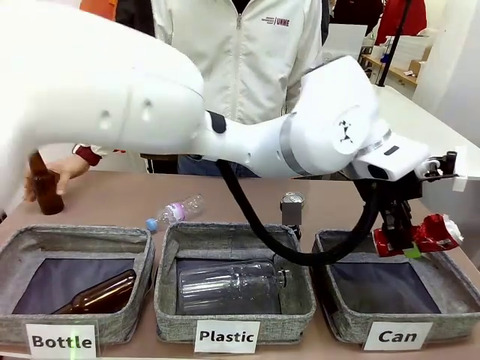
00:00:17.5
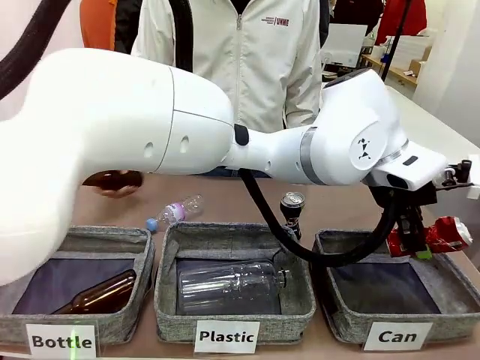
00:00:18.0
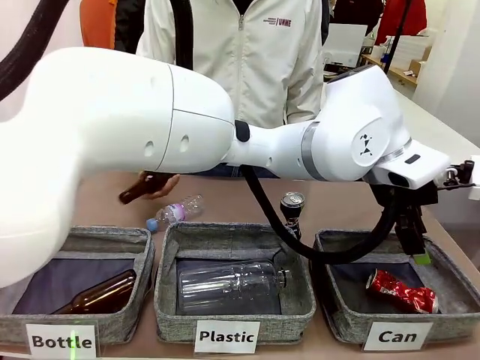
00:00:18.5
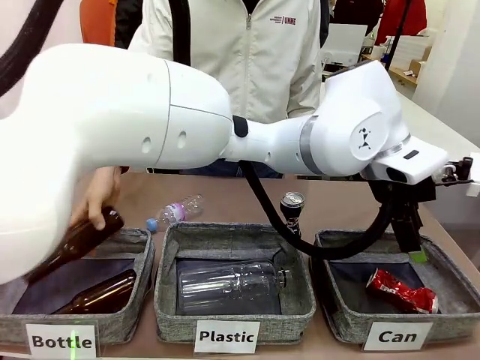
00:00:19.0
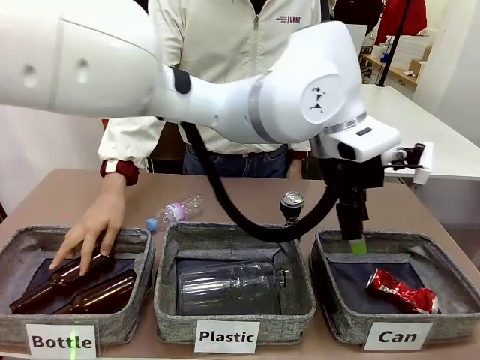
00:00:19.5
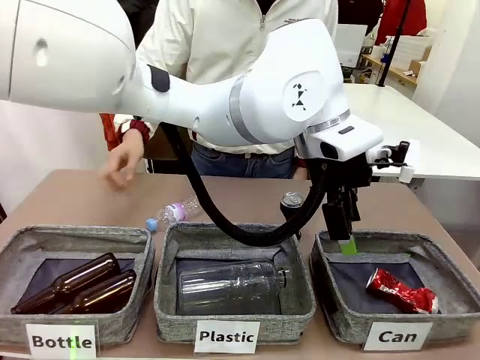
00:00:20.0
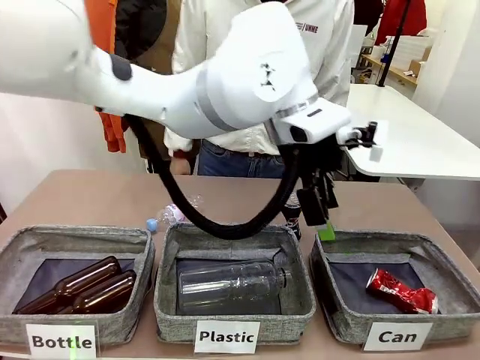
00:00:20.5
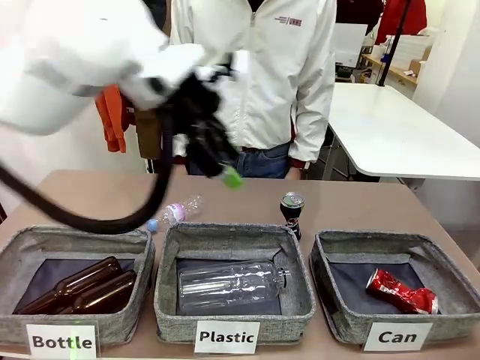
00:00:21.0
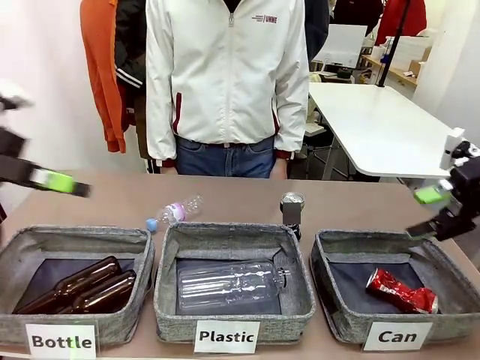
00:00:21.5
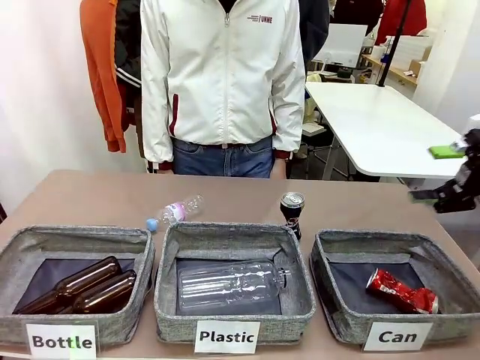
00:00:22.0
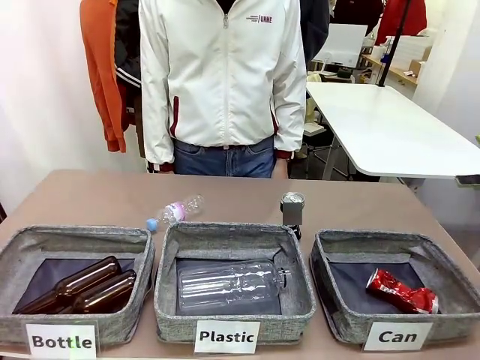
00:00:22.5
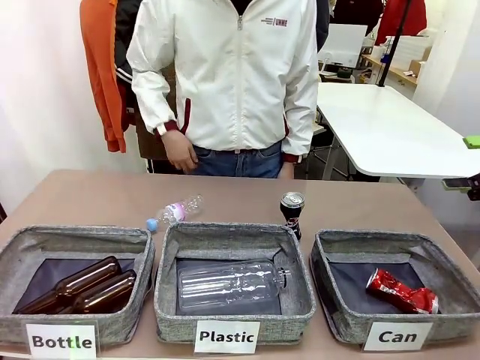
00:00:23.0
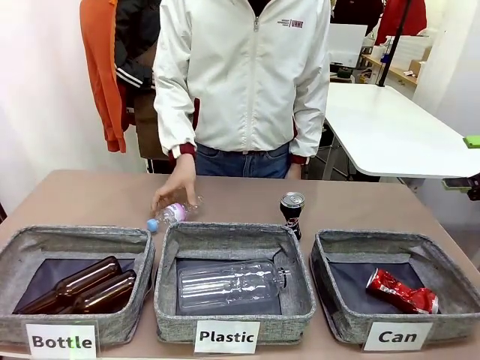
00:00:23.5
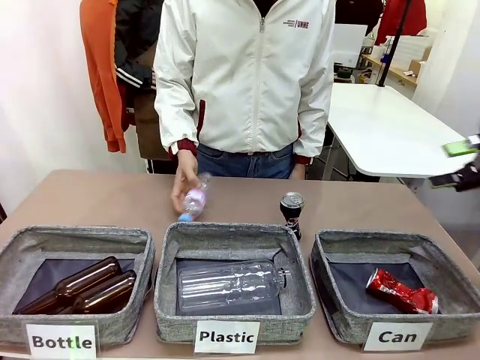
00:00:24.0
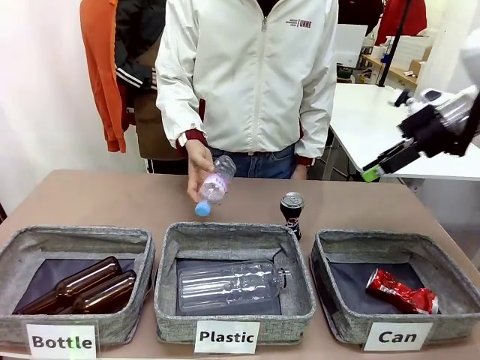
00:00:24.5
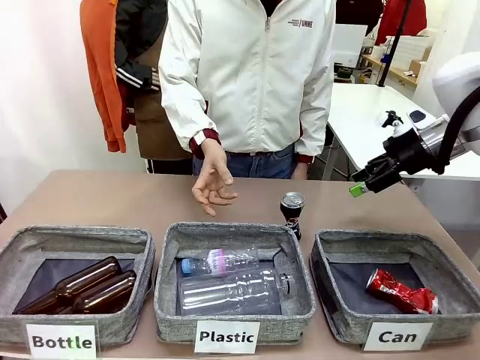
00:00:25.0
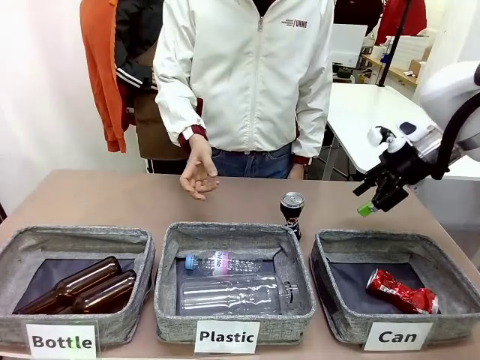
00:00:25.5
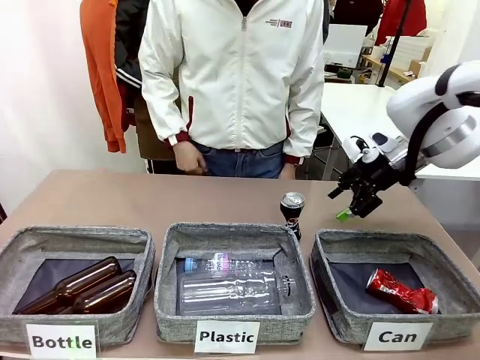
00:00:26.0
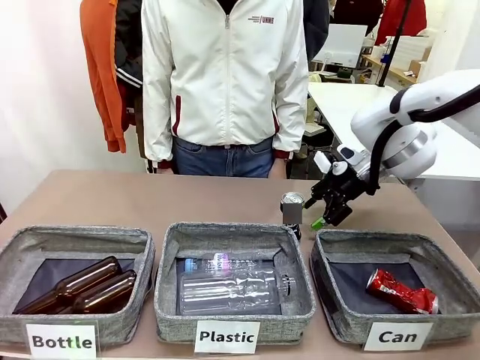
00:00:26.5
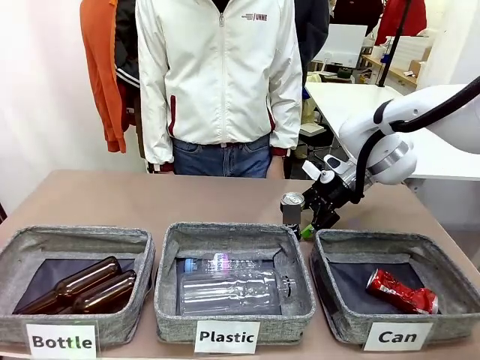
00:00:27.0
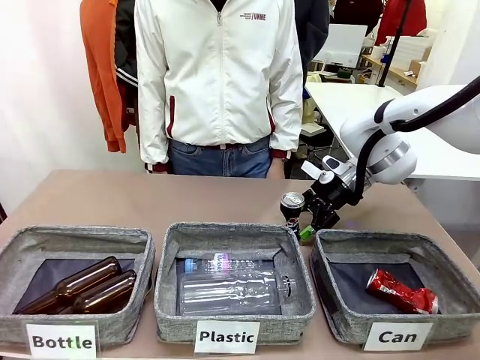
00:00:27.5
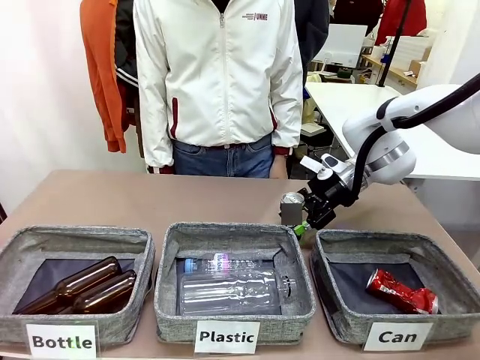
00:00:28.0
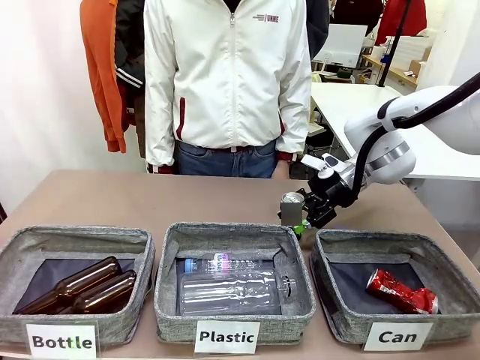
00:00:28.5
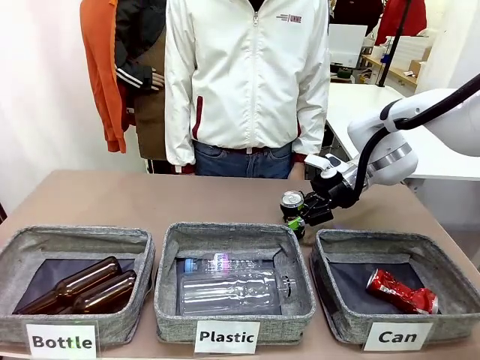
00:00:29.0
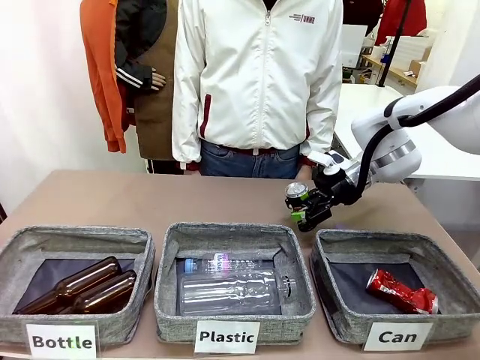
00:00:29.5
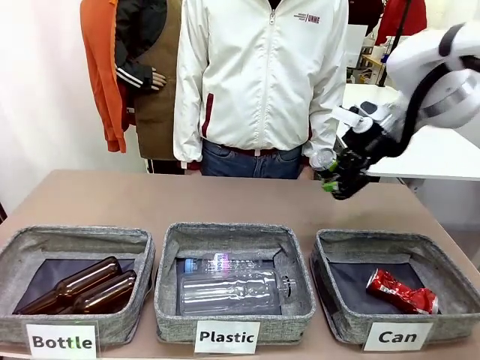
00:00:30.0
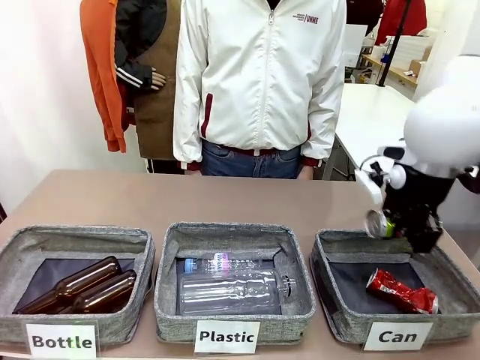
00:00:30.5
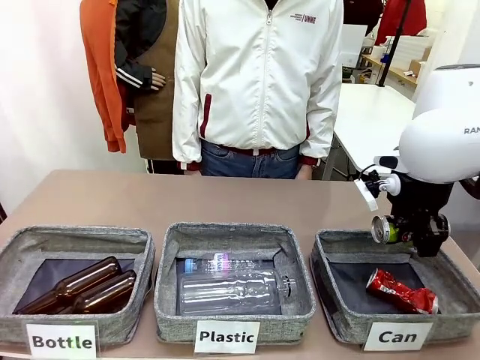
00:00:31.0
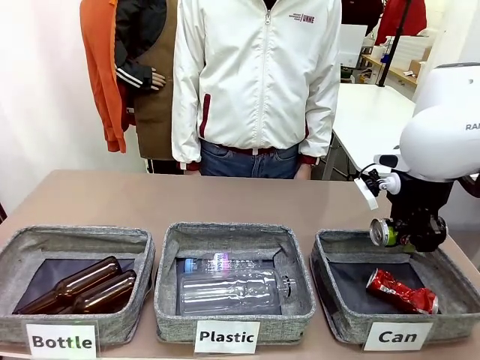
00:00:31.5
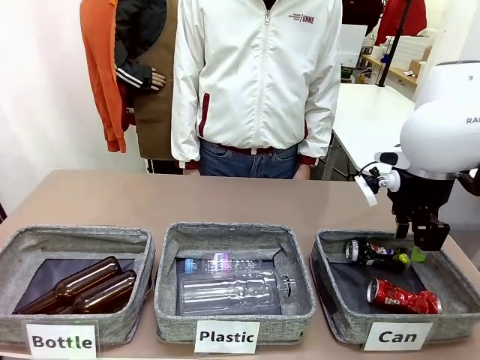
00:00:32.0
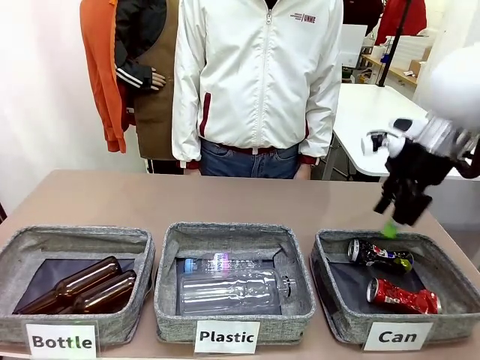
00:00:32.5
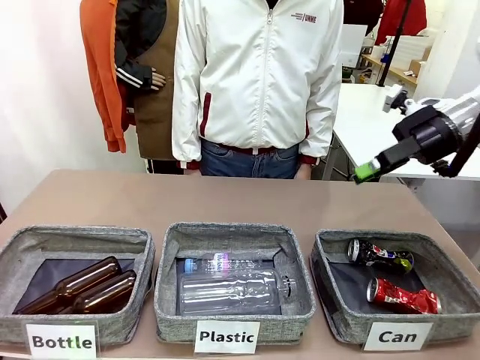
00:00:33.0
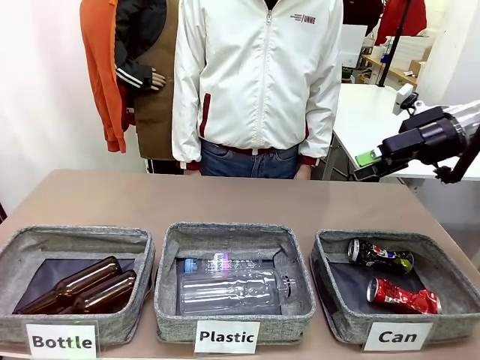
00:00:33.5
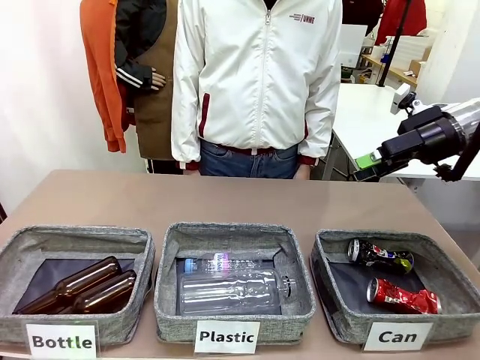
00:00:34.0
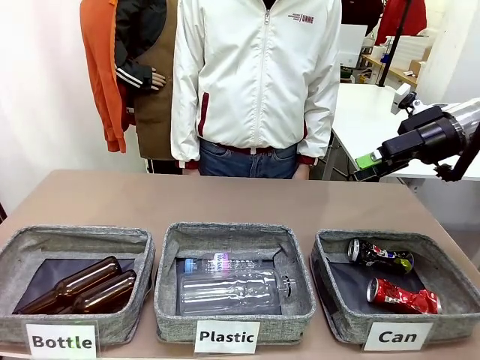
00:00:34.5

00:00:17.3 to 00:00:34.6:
Task: Sort the can waste into the basket.
Robot: Pick up the can waste from the table and place it in the right Fabric basket.

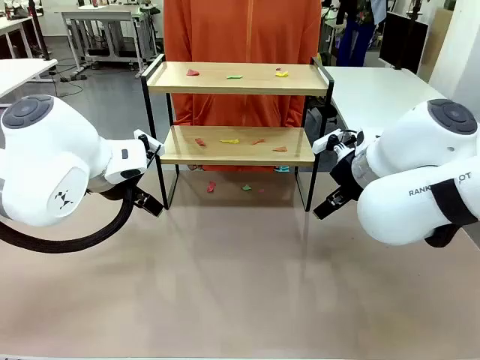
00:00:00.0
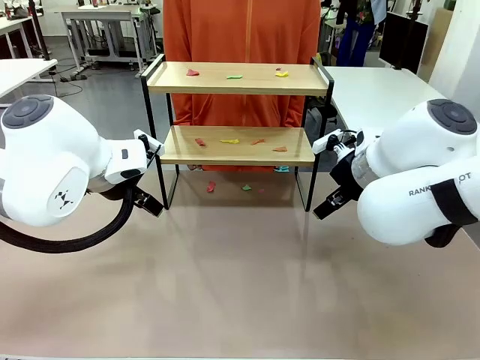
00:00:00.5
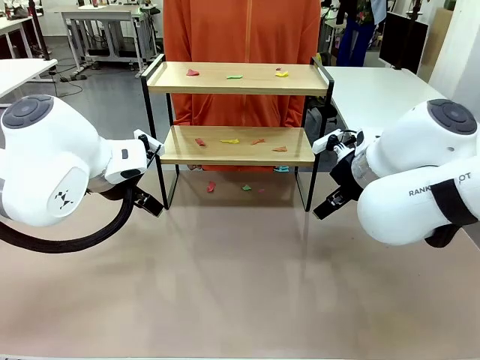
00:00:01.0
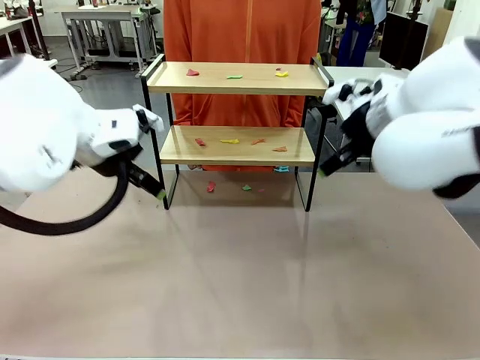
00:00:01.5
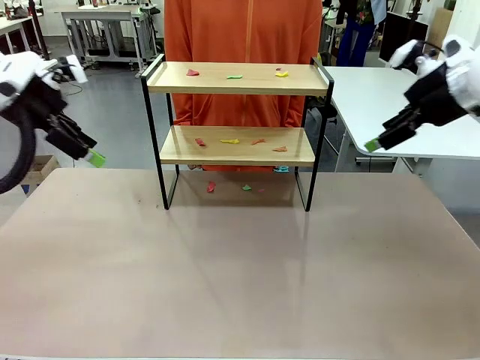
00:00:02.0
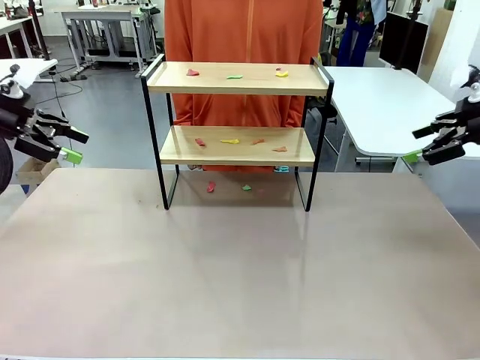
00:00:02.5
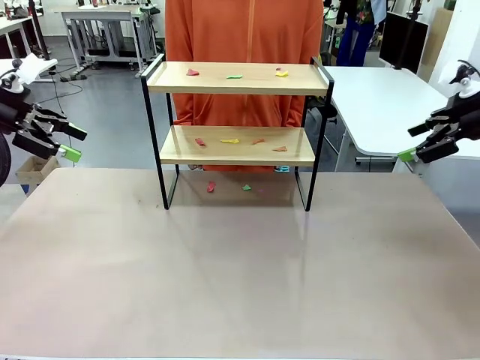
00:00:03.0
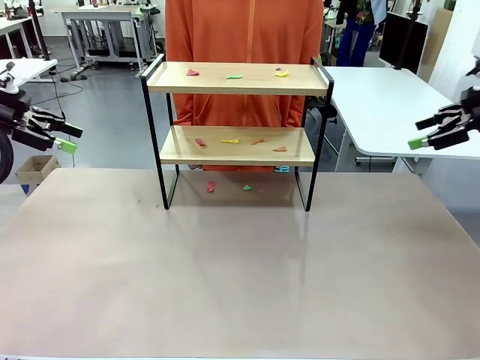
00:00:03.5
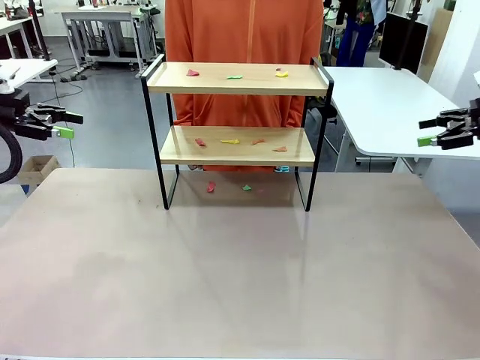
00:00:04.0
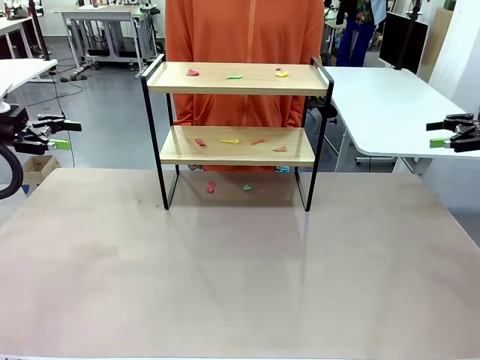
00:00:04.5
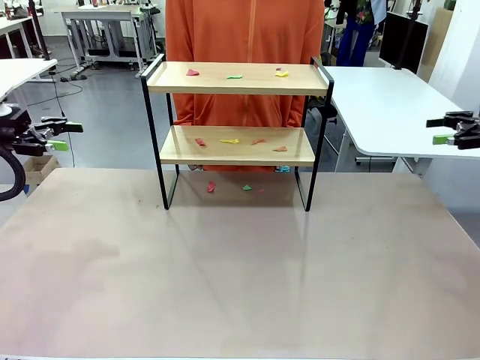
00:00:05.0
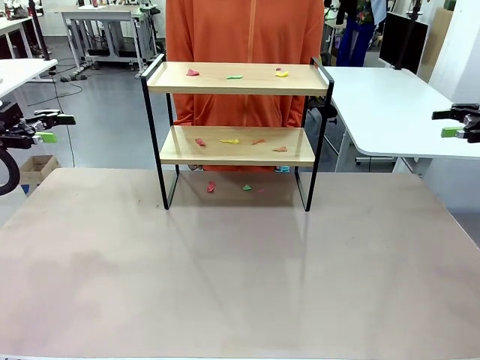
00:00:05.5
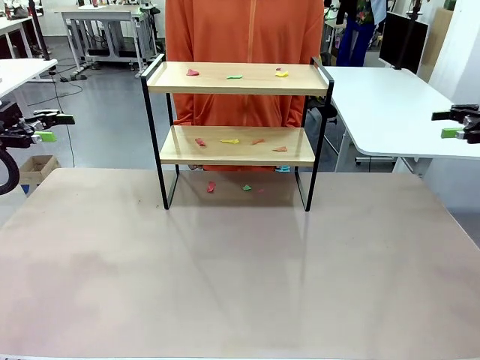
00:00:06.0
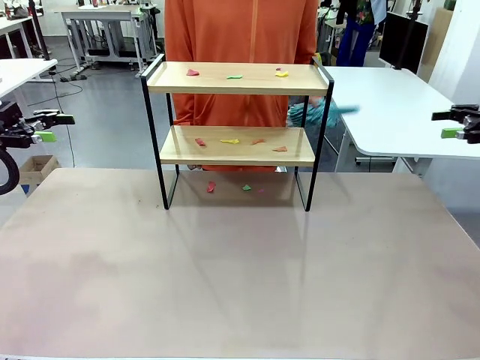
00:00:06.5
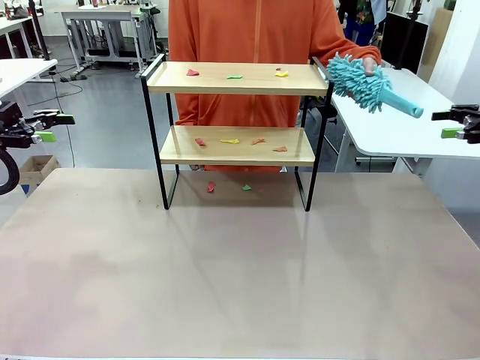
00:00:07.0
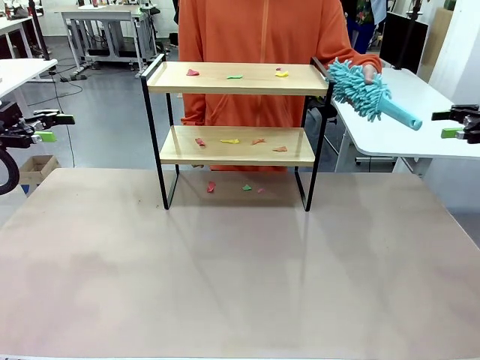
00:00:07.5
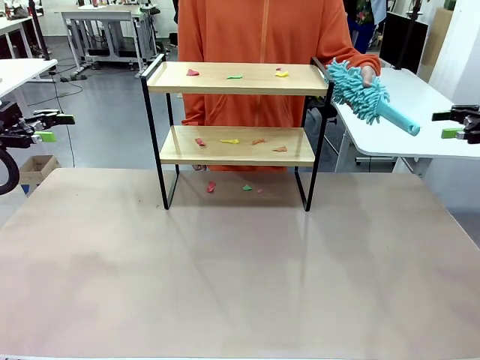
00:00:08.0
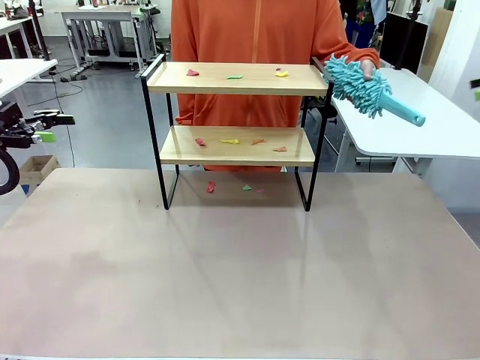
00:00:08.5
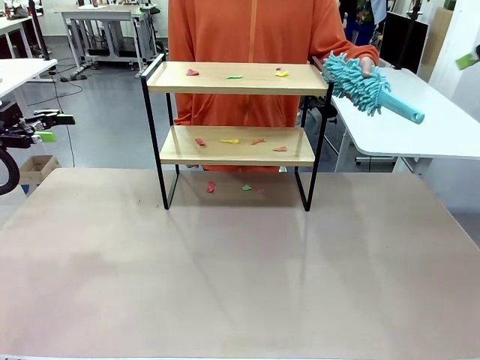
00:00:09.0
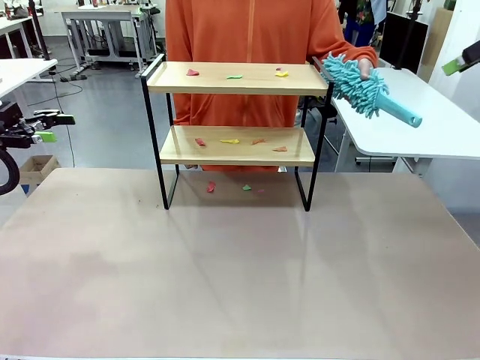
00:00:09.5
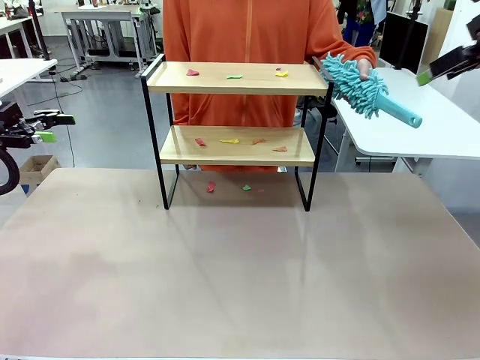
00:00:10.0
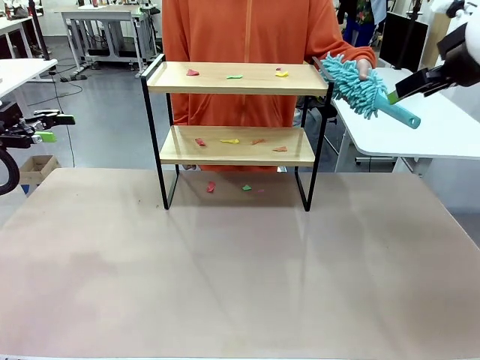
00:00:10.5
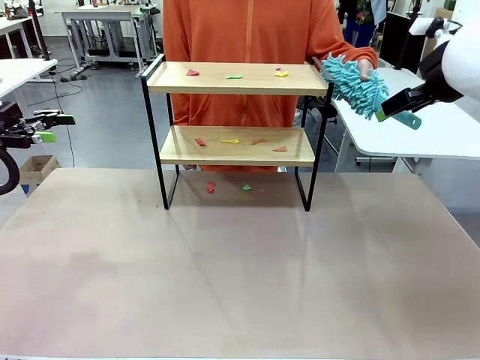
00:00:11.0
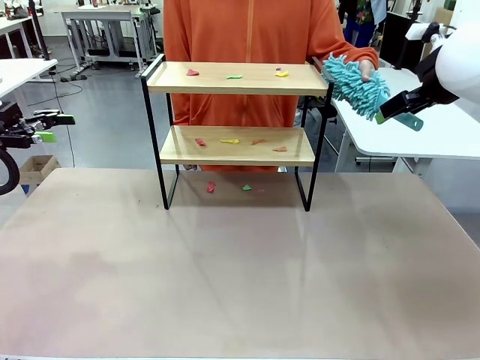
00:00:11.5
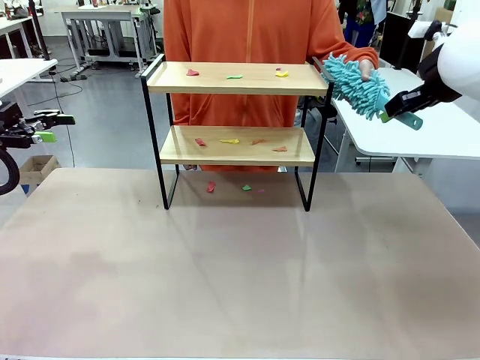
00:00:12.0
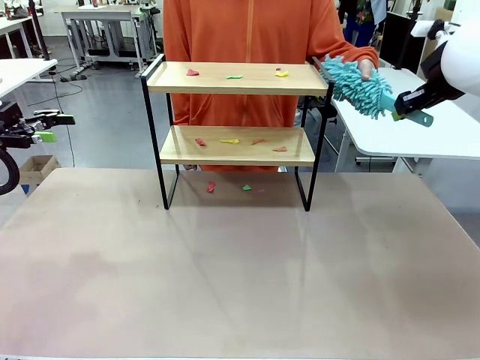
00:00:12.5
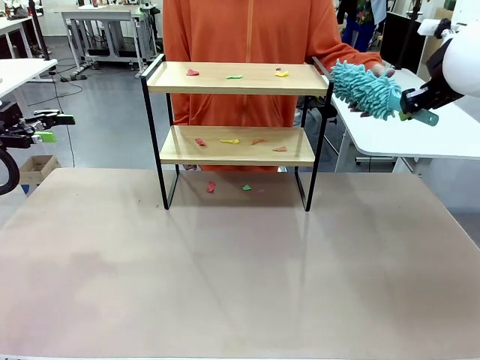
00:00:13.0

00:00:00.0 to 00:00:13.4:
Task: Clean the shelf.
Robot: Pick up the Duster handed by the human.
Person: Hand the Duster to the robot.
